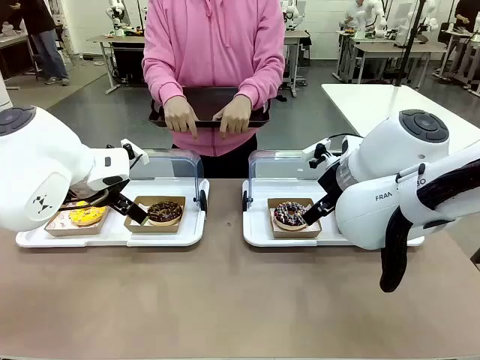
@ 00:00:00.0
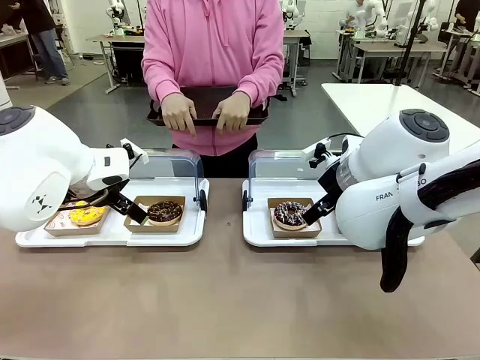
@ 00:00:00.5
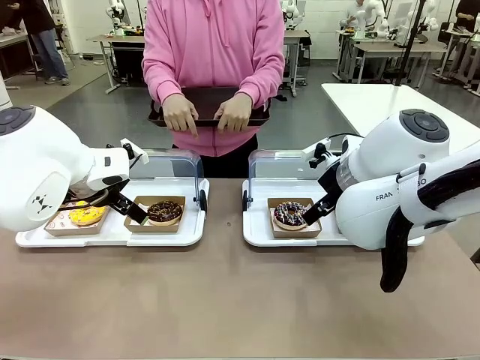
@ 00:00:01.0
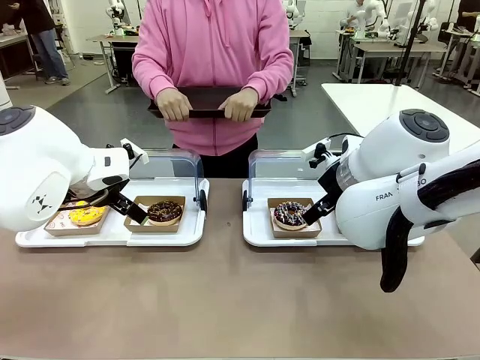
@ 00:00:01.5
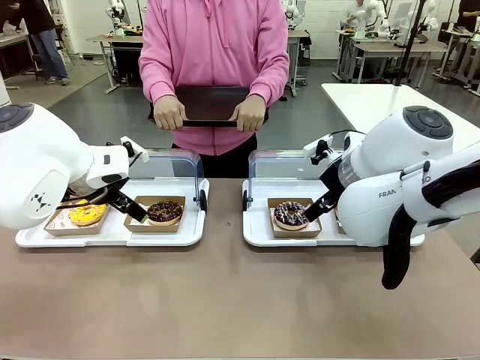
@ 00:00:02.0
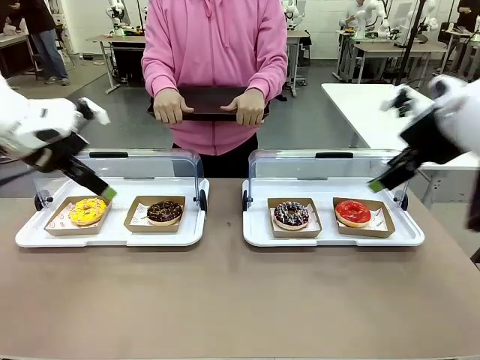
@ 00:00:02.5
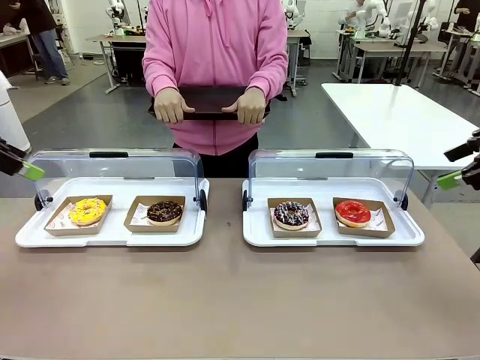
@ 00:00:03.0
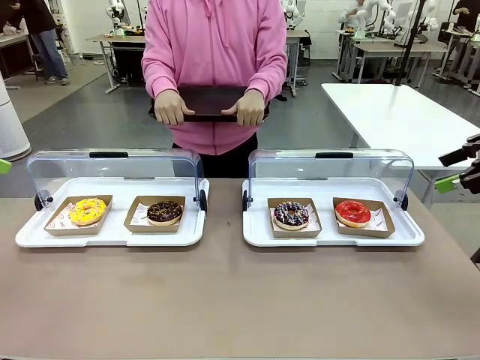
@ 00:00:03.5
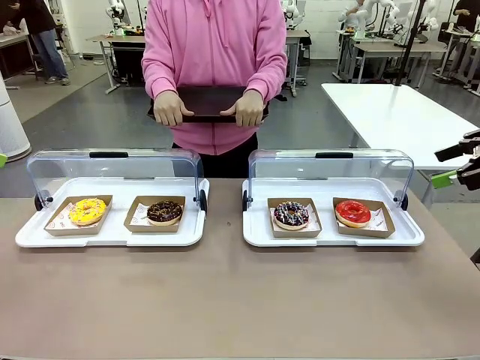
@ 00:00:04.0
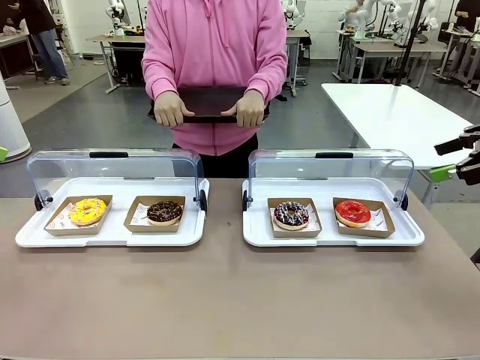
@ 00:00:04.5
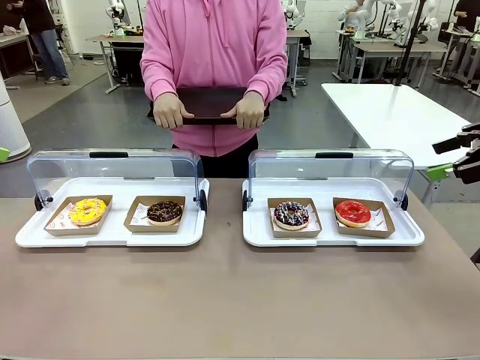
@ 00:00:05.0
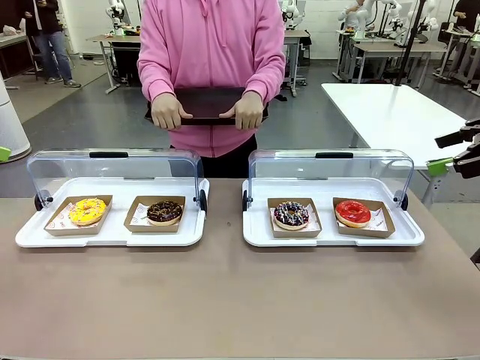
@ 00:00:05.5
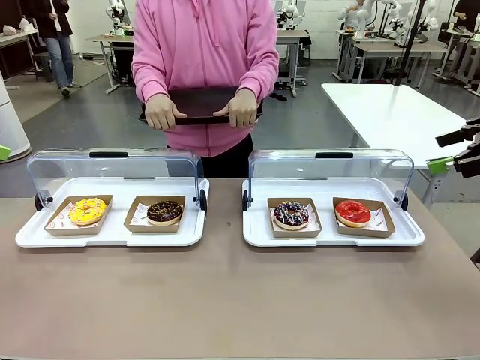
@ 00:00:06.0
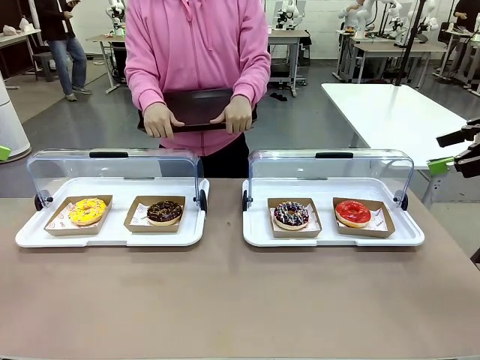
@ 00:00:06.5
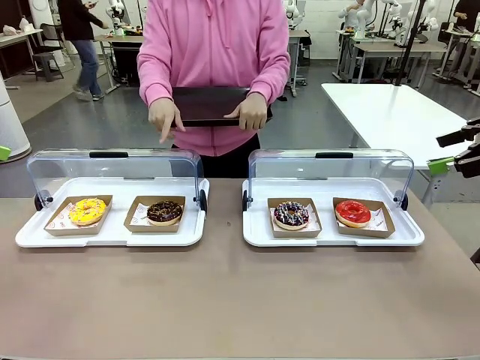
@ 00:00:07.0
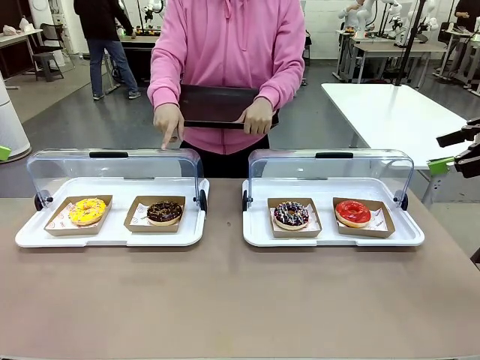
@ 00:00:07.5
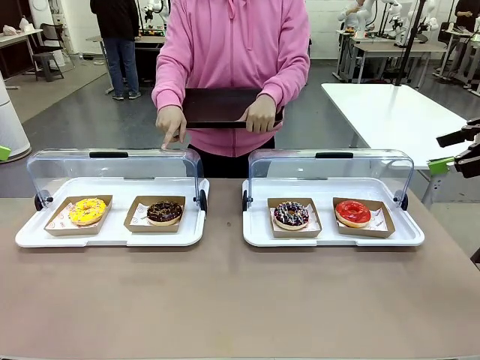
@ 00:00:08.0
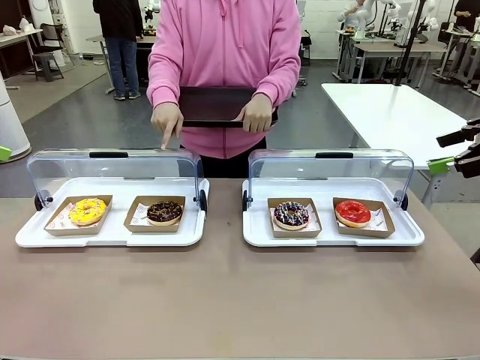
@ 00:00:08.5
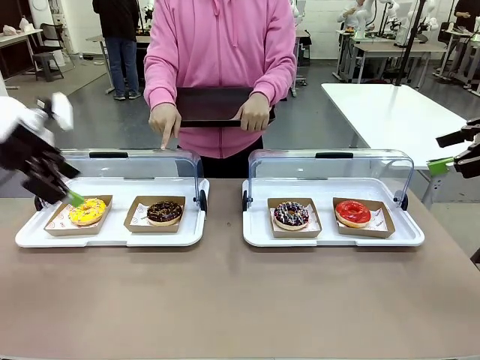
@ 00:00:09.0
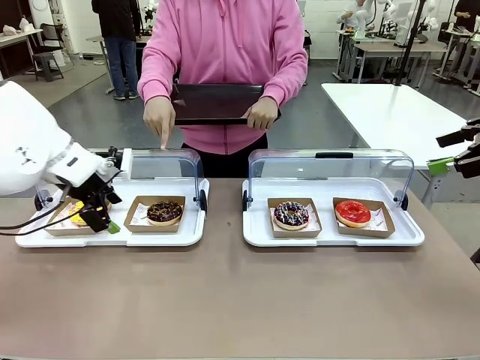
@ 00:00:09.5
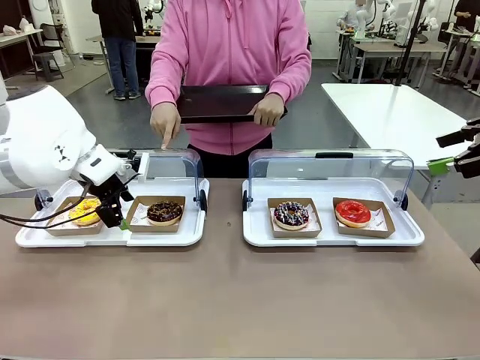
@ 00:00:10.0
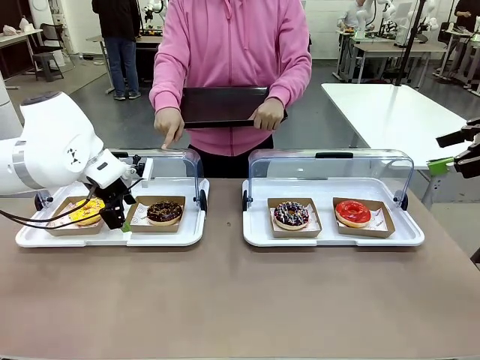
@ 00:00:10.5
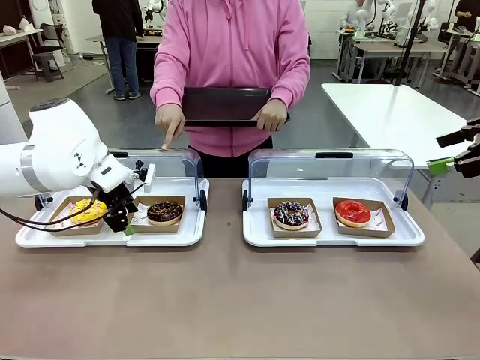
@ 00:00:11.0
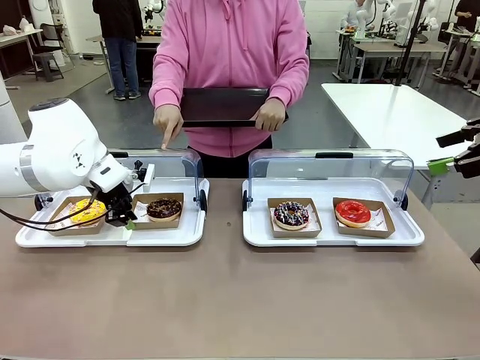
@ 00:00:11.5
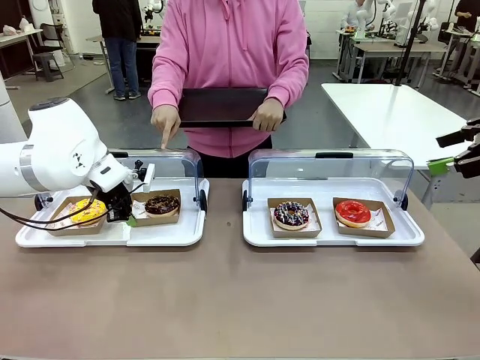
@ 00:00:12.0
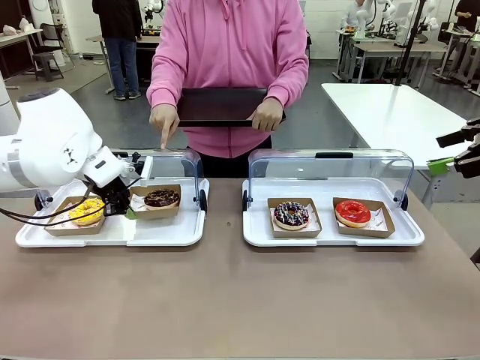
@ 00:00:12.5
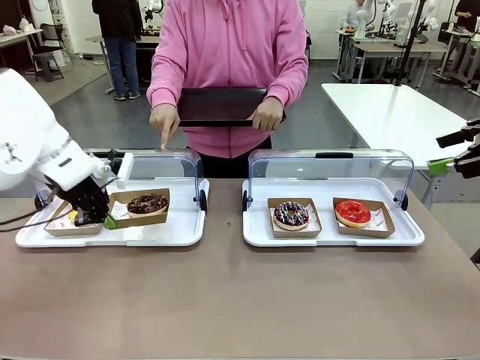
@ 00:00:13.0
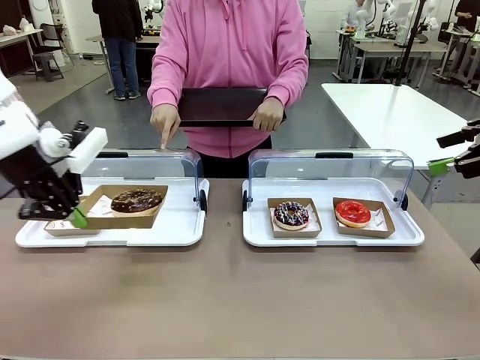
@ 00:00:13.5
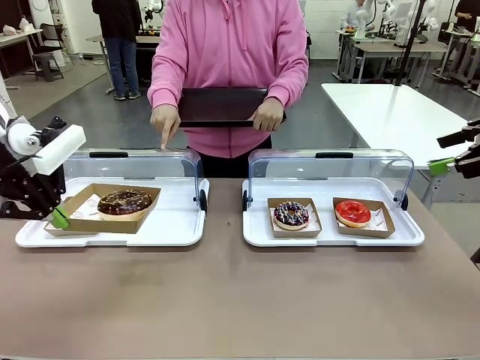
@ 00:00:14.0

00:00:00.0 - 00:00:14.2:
Task: Provide the desired donut to the person.
Robot: Pick up and lift the Paper togo box containing the Donut pointed at by the person.
Person: Point to one donut. Lift the tray onto the Roll-Top Bakery Case.

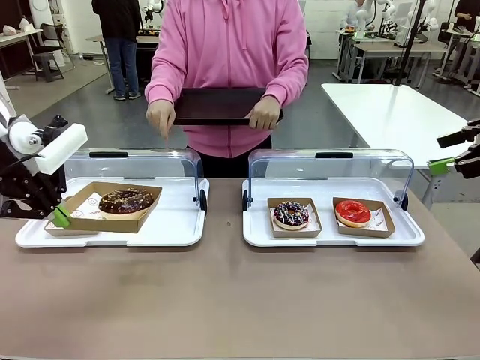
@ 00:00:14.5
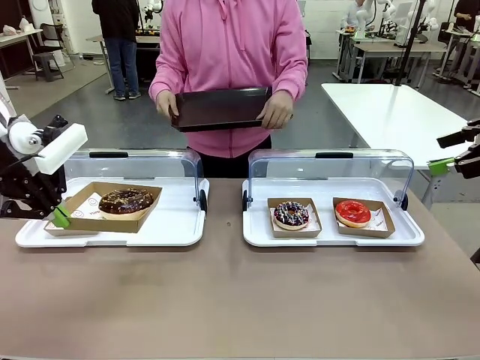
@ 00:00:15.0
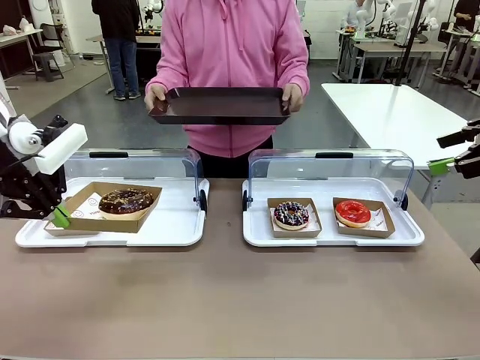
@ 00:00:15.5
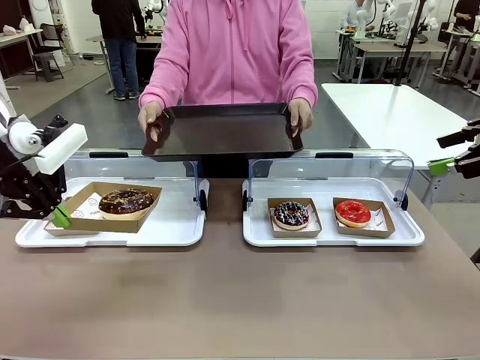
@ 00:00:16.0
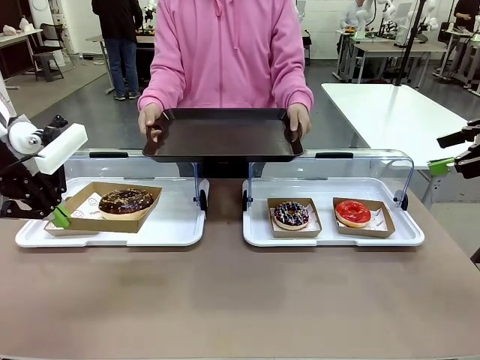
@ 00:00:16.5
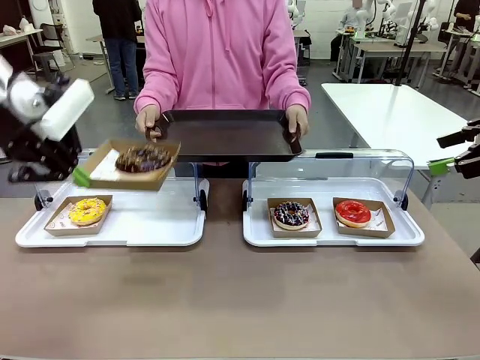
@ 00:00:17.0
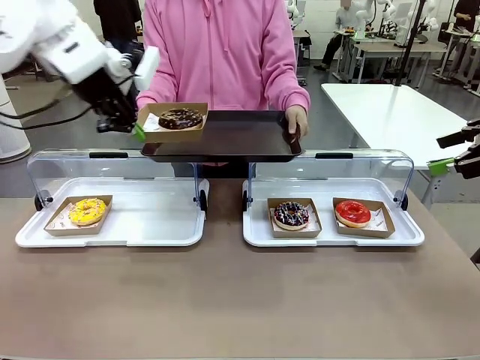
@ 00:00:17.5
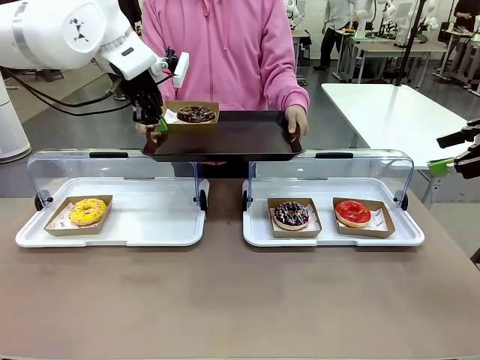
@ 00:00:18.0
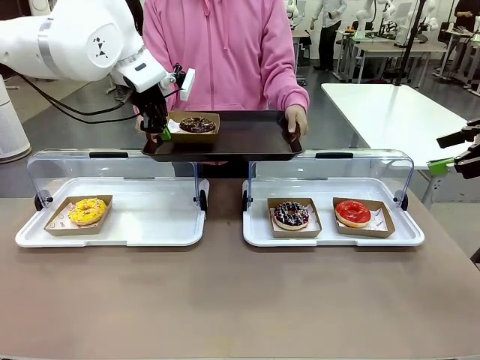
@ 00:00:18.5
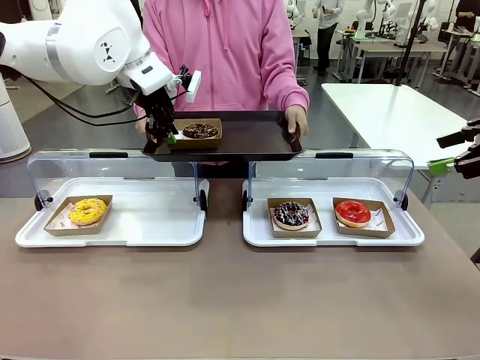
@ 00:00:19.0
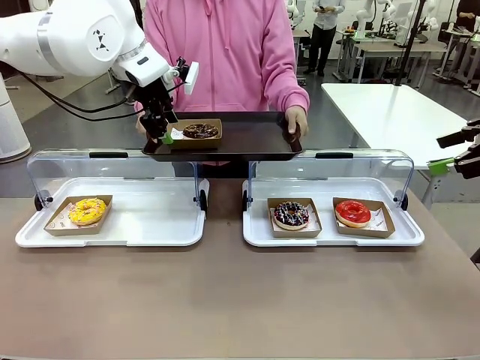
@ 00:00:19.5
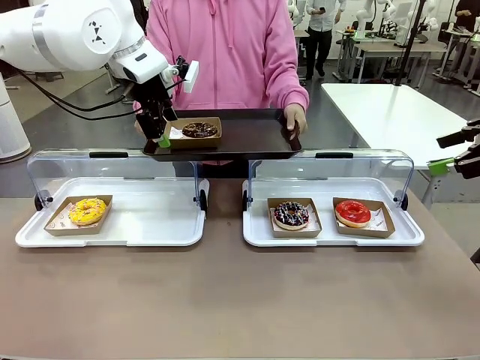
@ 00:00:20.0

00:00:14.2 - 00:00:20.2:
Robot: Place the picked Paper togo box onto the Handle tray extended by the person.
